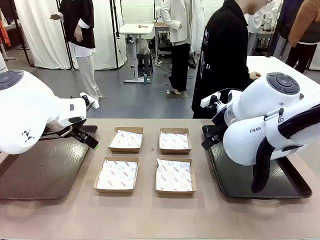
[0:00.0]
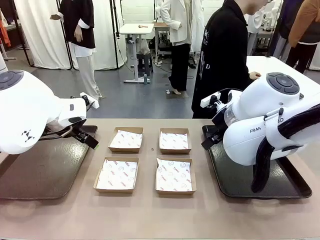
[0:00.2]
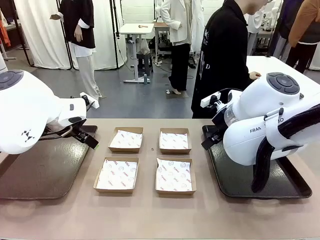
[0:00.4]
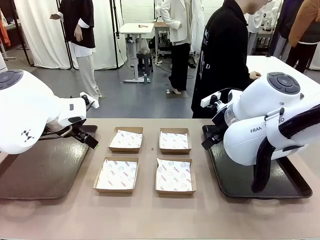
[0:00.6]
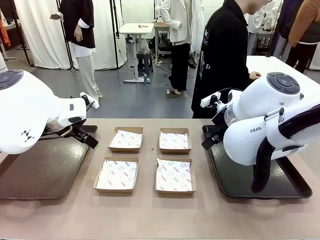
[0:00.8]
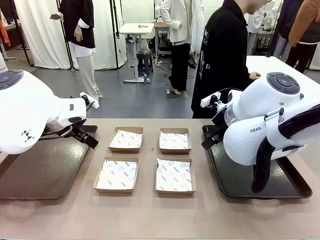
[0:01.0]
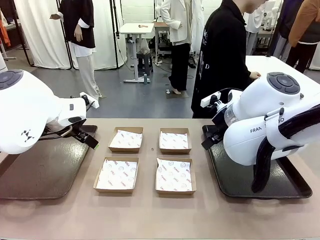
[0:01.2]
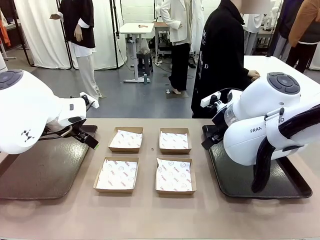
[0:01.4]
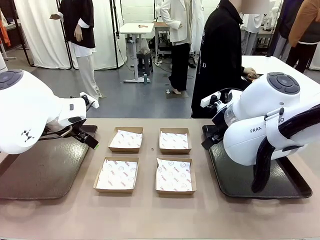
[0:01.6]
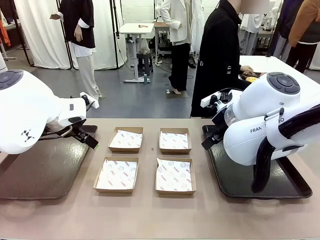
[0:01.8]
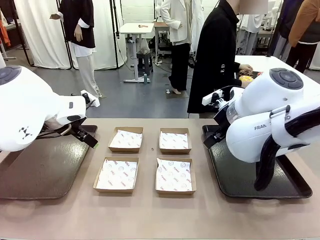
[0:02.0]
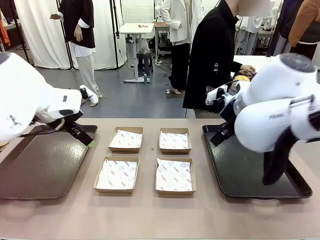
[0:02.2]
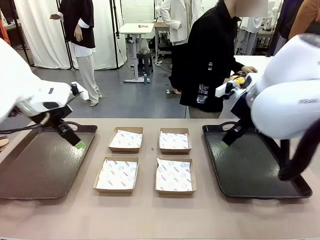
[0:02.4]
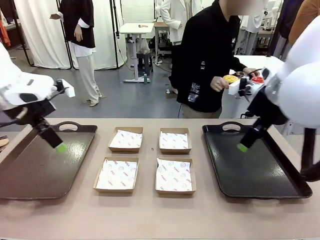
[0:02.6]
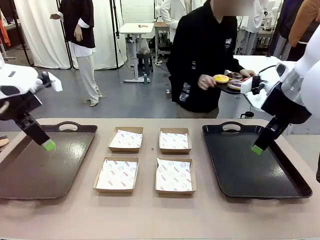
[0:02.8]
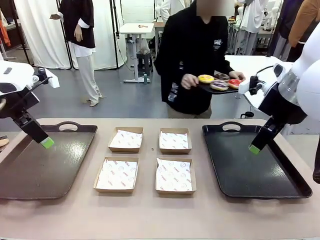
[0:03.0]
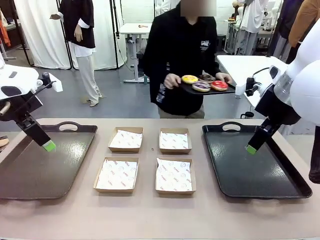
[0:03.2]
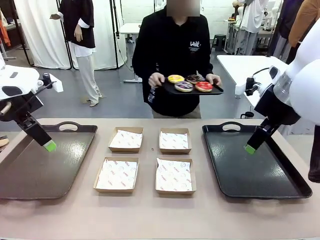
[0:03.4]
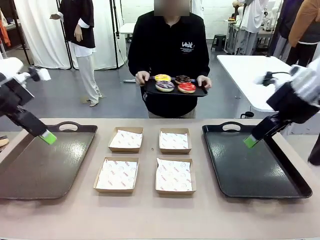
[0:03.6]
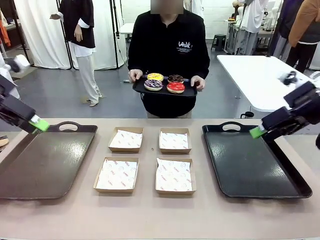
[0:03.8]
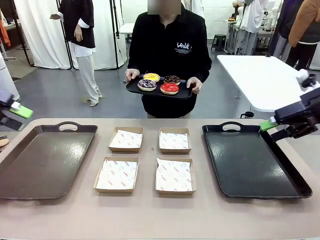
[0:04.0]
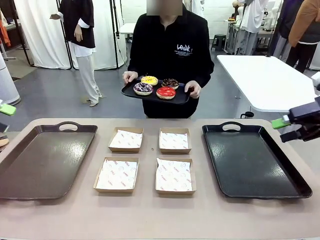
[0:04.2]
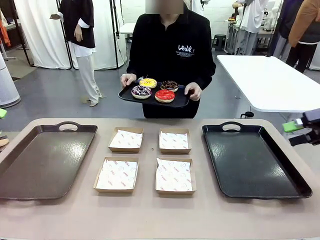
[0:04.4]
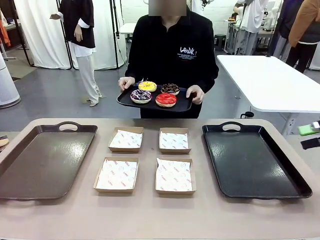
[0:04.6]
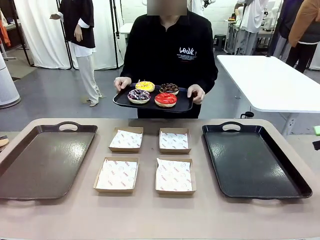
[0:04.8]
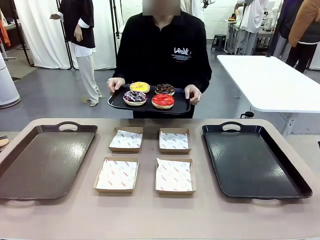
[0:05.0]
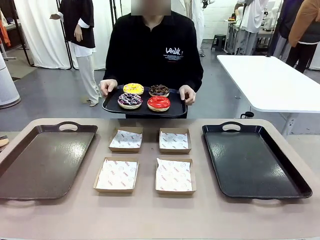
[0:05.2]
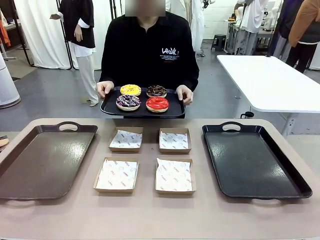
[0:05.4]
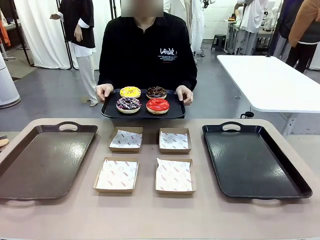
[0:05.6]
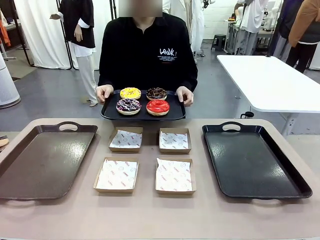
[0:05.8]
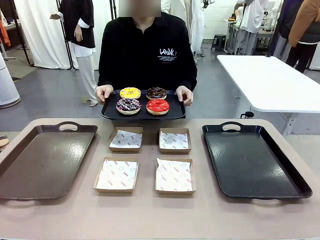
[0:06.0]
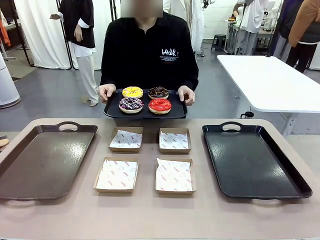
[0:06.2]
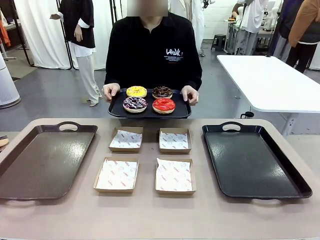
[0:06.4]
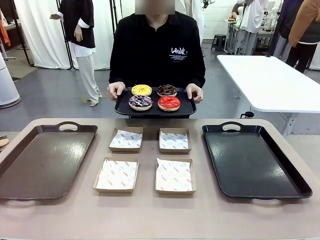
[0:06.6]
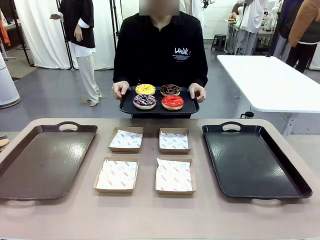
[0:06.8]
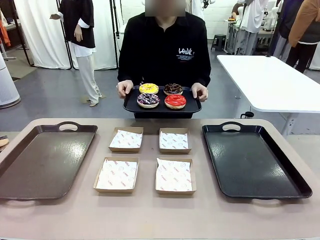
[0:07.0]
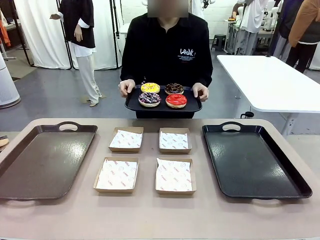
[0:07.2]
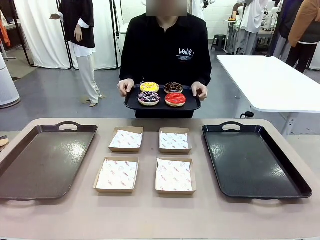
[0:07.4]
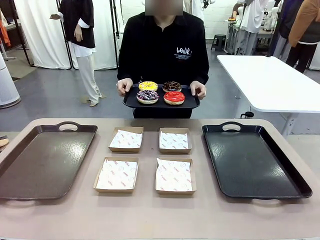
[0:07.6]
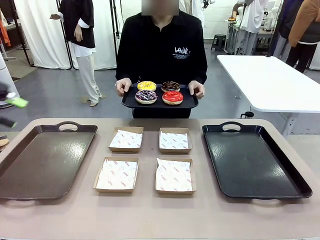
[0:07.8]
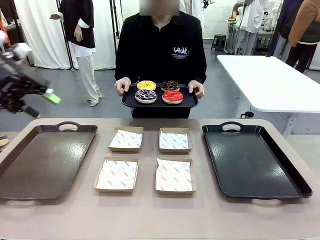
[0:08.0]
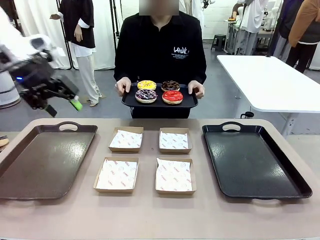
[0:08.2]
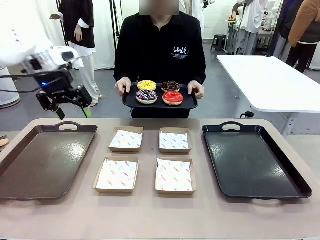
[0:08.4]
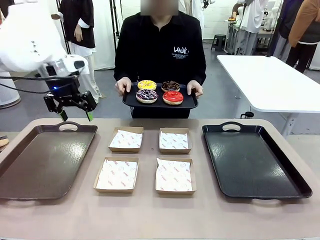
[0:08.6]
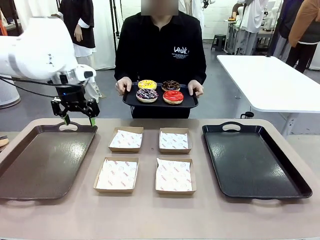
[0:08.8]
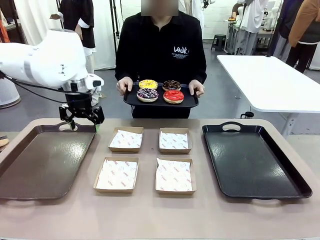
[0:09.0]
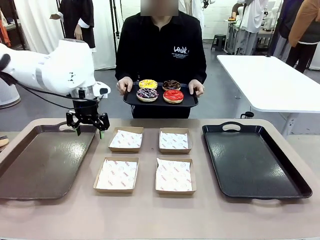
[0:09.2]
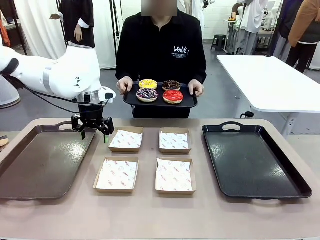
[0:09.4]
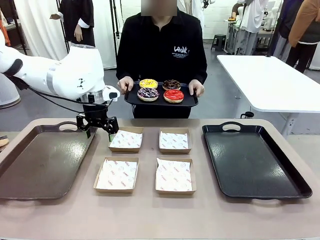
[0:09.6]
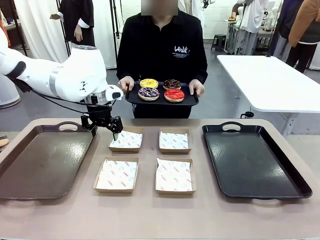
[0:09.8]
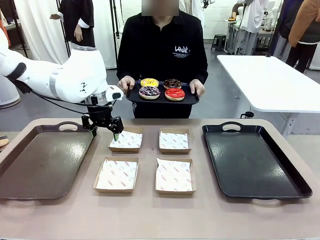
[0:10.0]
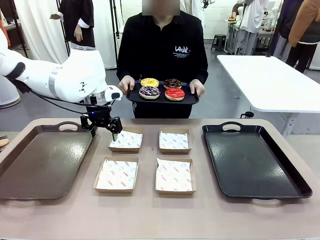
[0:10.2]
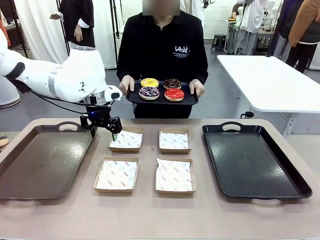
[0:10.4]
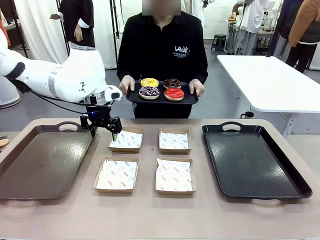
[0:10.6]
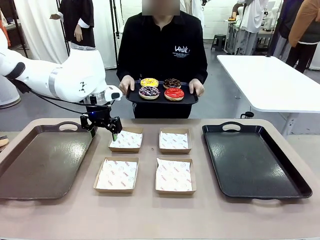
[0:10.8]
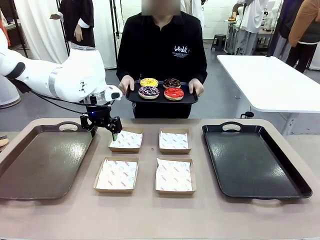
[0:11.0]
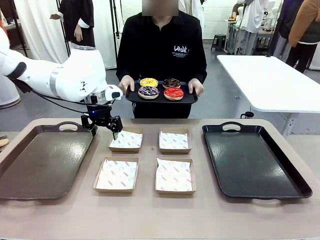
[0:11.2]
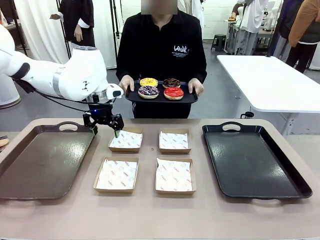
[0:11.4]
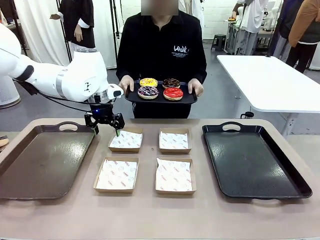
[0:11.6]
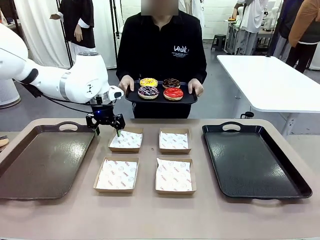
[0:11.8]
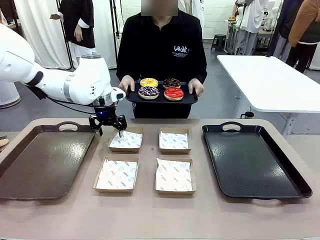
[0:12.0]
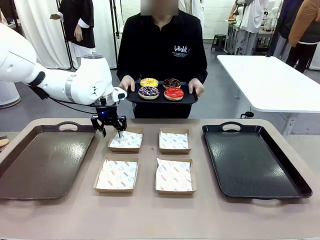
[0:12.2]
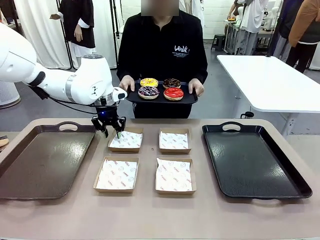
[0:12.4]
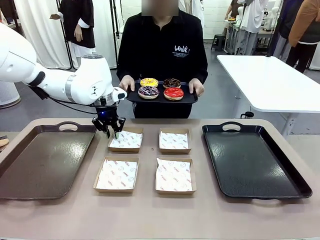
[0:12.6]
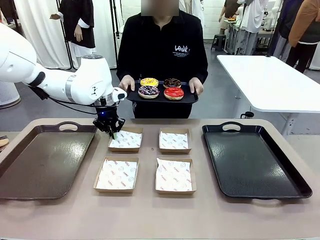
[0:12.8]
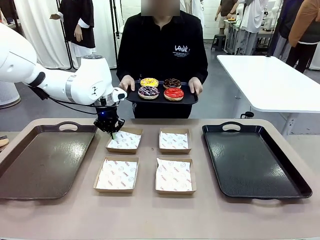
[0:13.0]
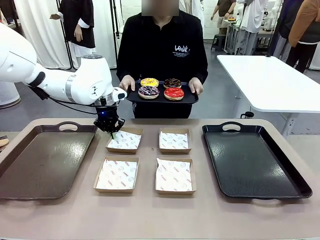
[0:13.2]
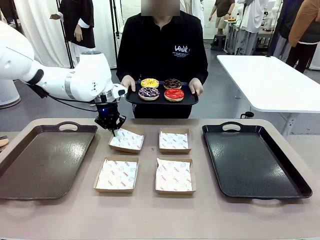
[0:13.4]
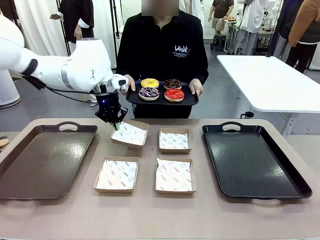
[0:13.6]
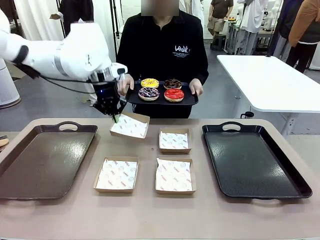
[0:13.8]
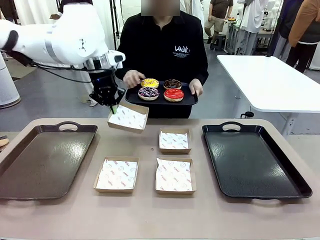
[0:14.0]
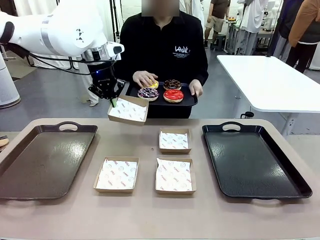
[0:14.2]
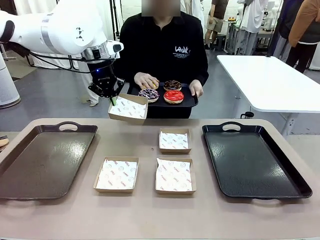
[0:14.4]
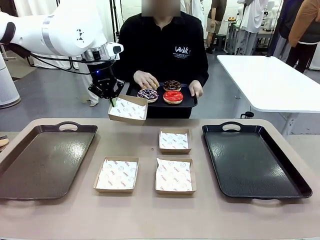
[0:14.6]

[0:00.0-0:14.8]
Task: Individually package the donuts and arrange them on the tray.
Robot: Pick up one Paper togo box.
Person: Stand in front of the robot table holding the tray containing the donuts.
